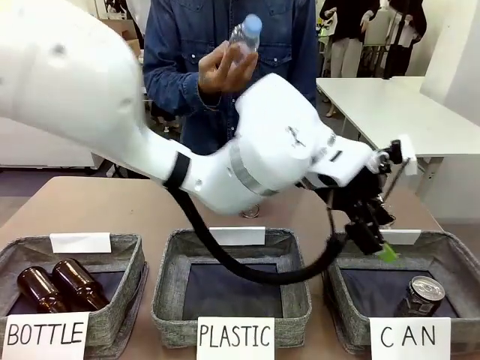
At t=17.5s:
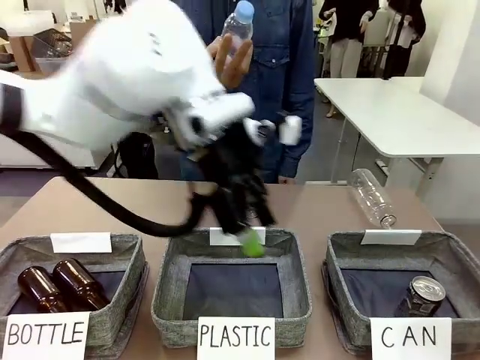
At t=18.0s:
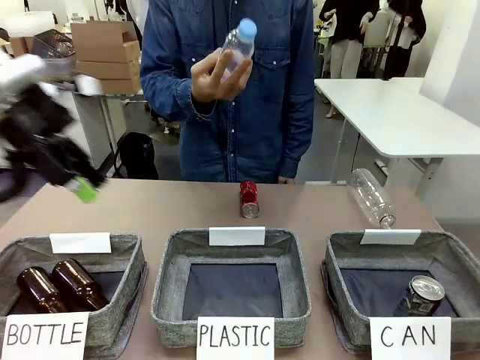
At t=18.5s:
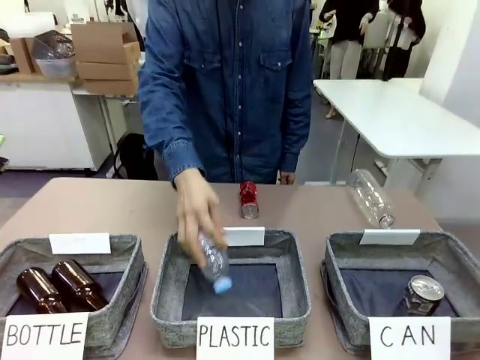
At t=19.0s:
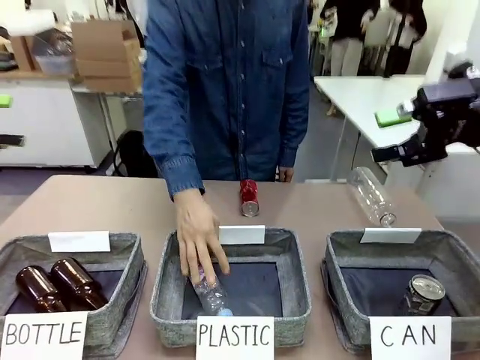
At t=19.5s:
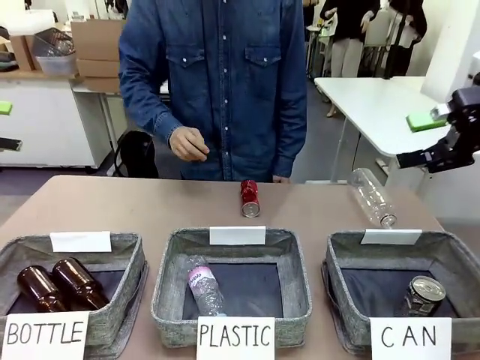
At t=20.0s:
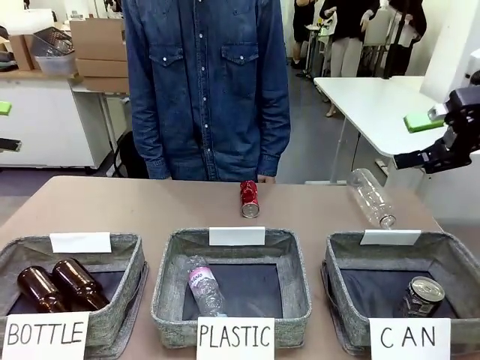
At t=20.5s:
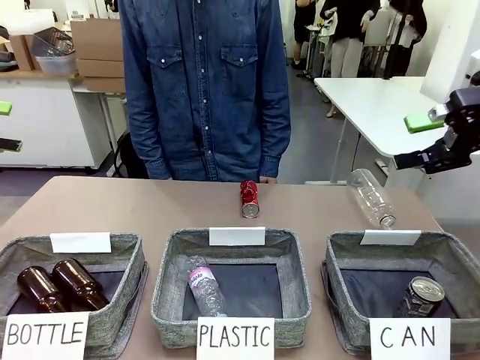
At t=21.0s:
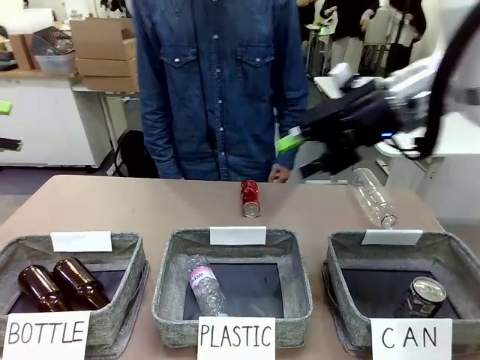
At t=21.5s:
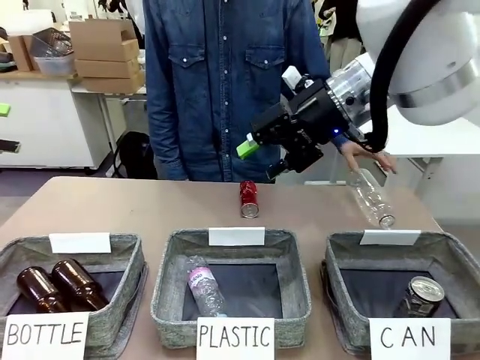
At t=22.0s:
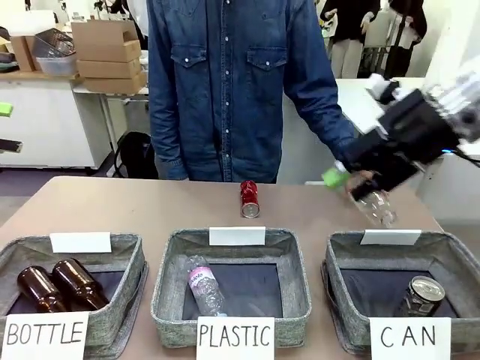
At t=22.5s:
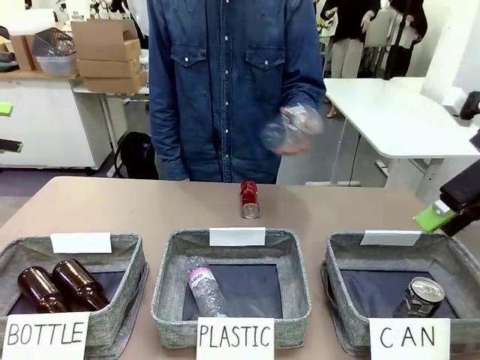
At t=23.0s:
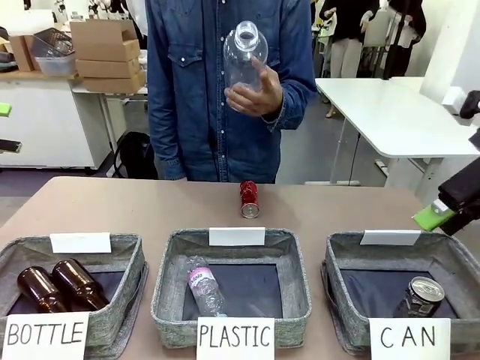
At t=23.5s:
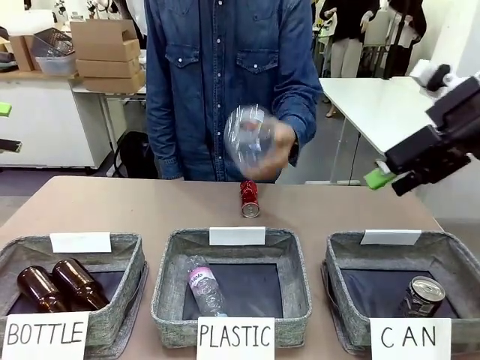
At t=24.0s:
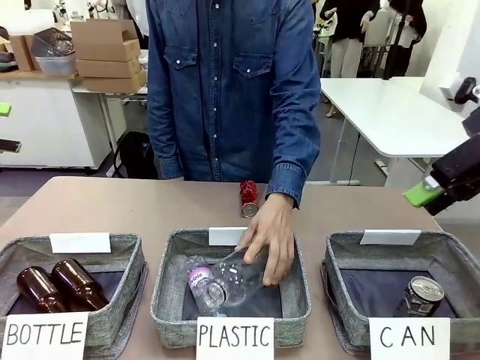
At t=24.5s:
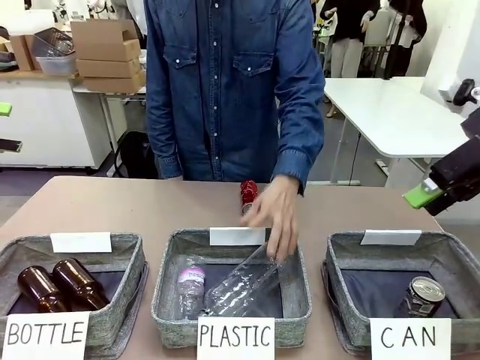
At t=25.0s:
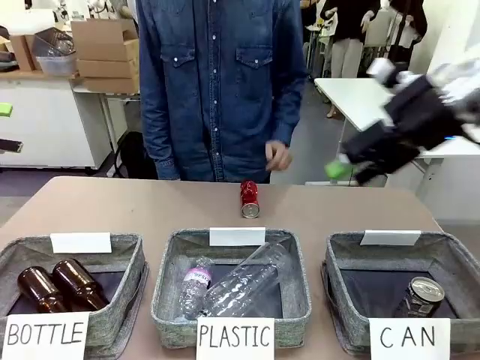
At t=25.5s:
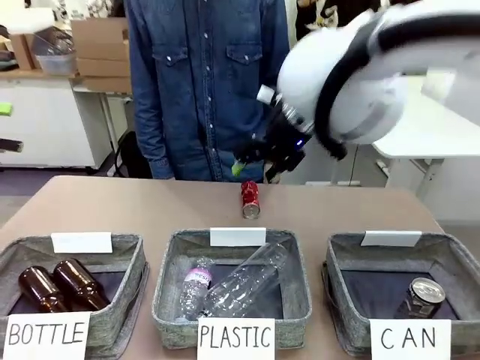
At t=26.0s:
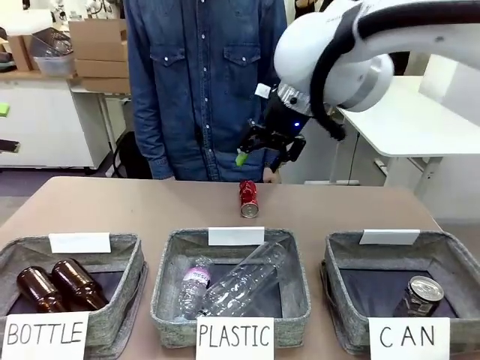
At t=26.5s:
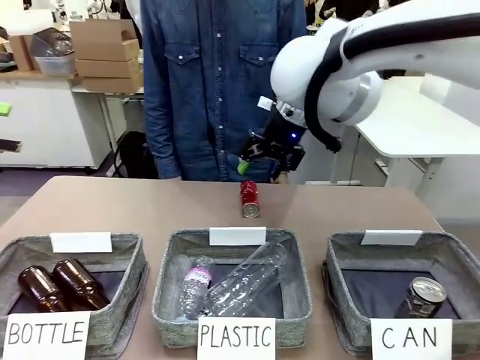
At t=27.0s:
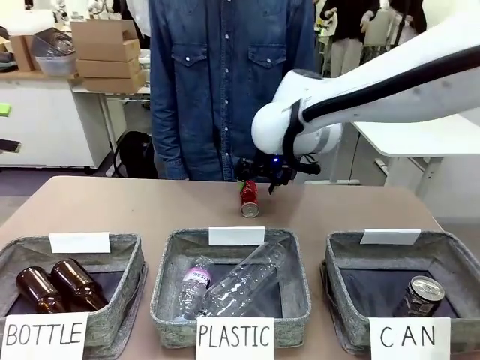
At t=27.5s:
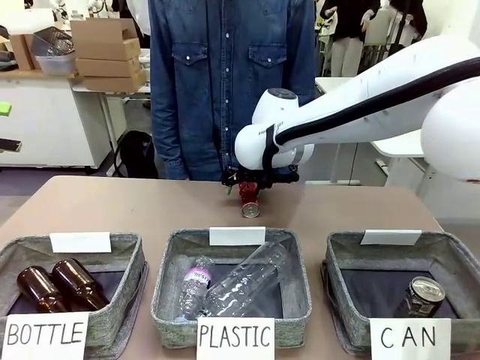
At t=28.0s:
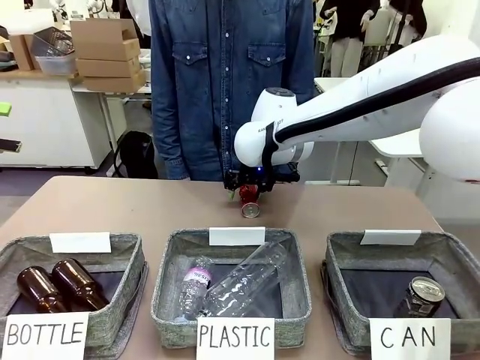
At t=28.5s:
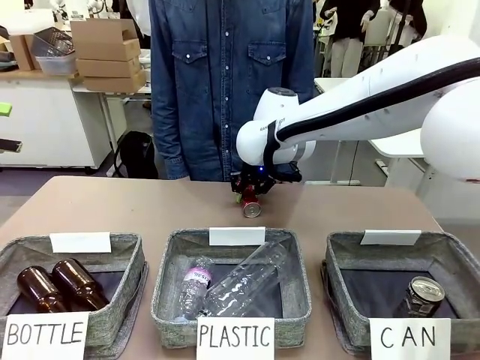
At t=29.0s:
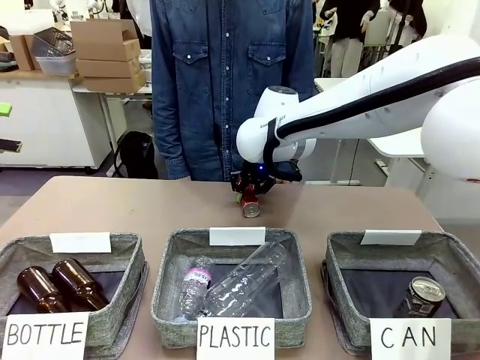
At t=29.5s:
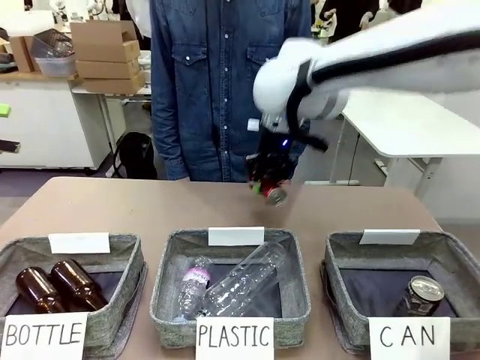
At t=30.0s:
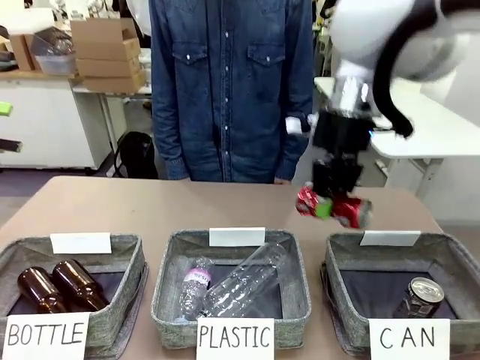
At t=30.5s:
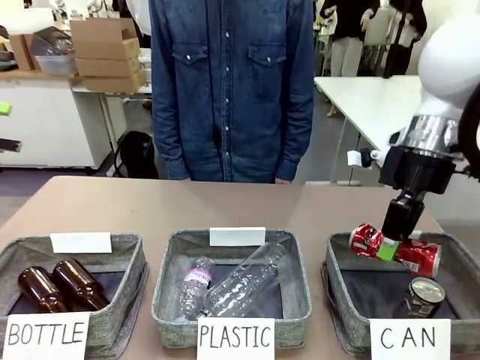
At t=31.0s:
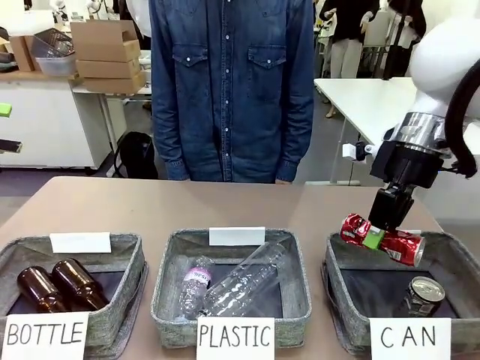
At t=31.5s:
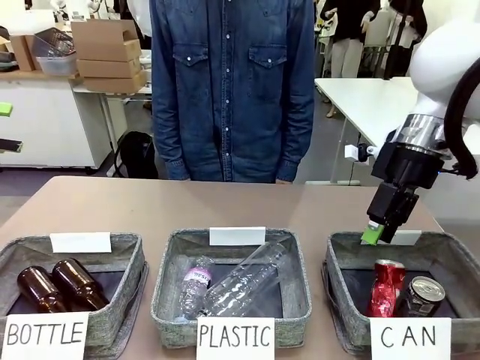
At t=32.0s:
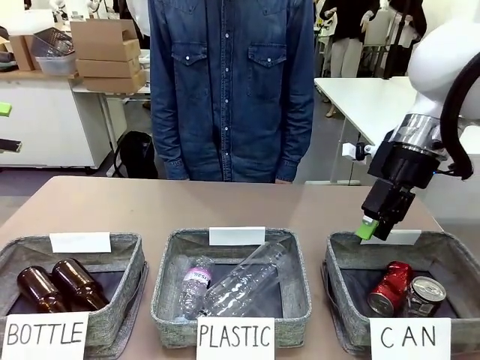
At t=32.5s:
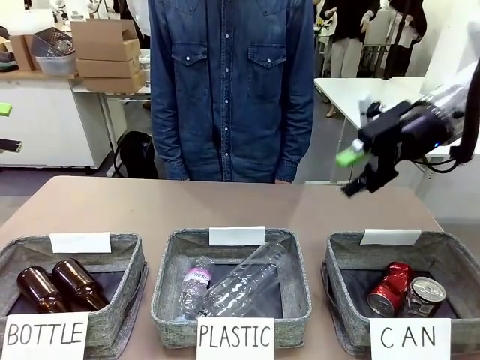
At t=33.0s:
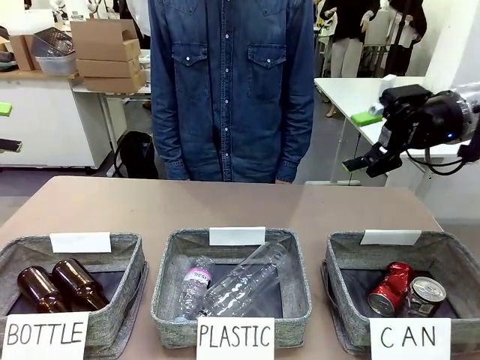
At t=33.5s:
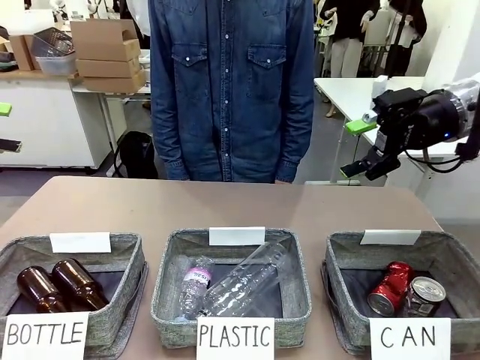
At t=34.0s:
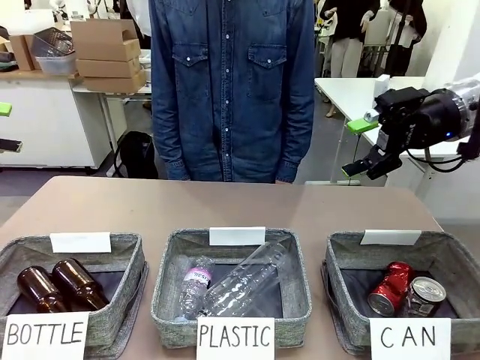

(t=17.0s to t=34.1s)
Task: Sort the can waste into the basket.
Robot: Pick up the can waste from the table and place it in the right Fabric basket.
Person: The human picks up one piece of trash that is not a can and places the trash into the appropriate organizing basket.

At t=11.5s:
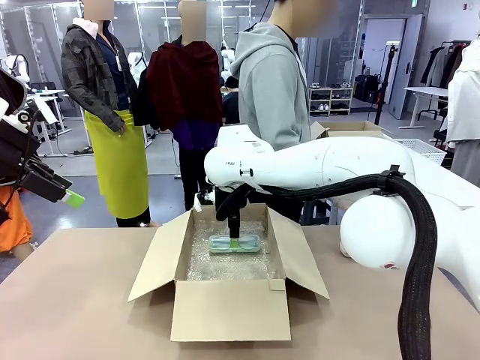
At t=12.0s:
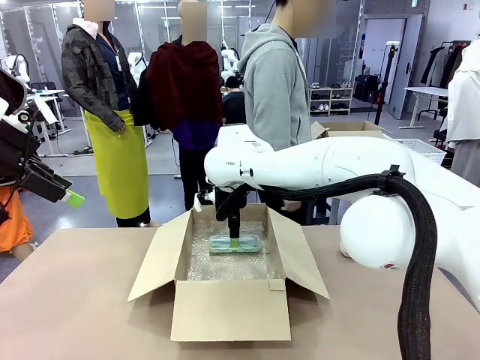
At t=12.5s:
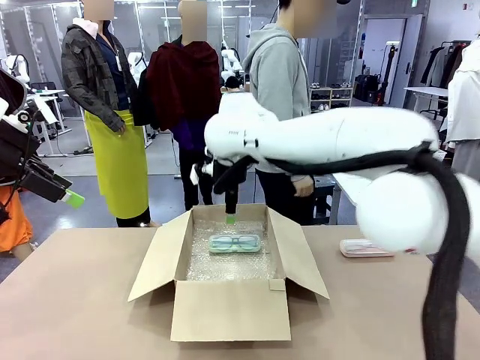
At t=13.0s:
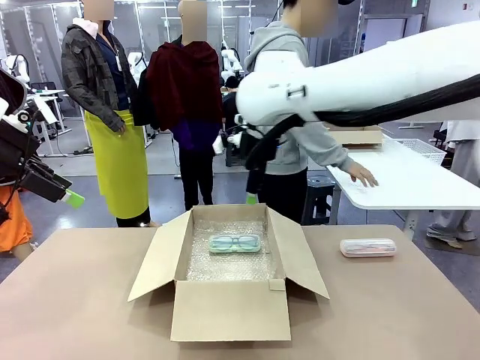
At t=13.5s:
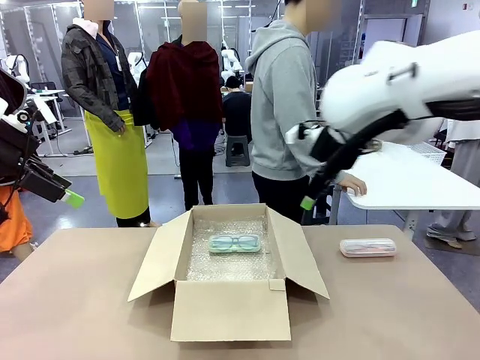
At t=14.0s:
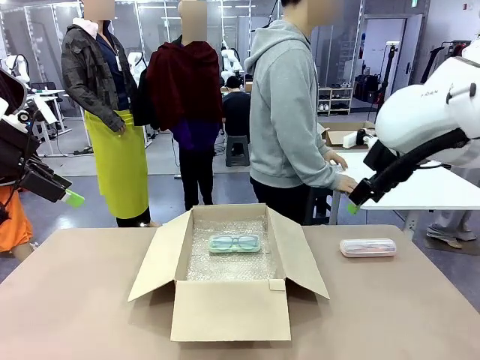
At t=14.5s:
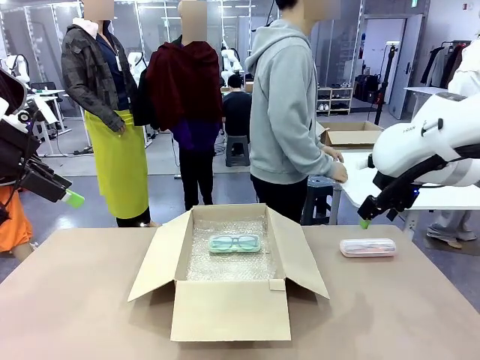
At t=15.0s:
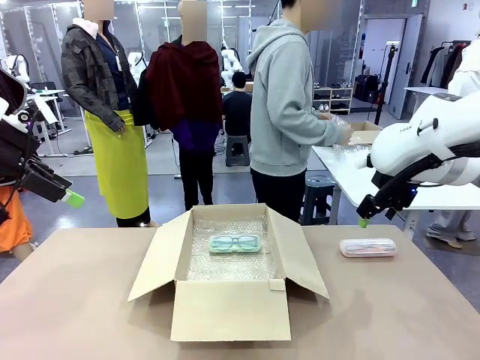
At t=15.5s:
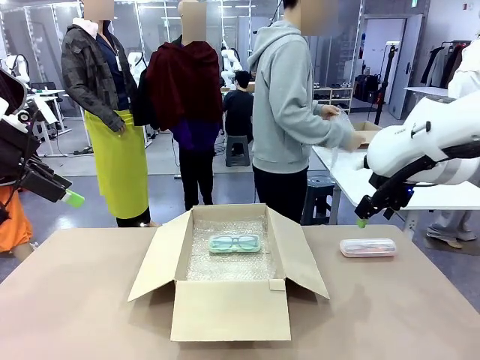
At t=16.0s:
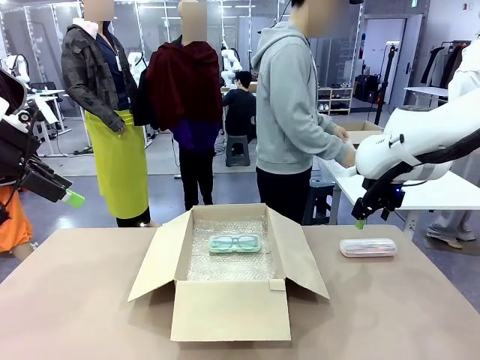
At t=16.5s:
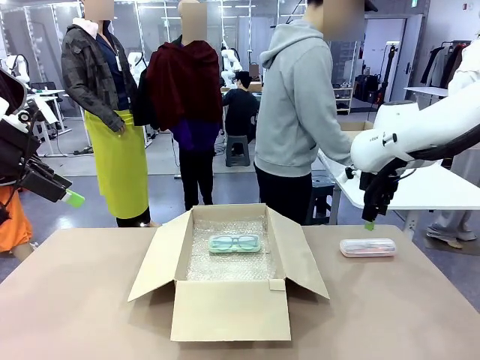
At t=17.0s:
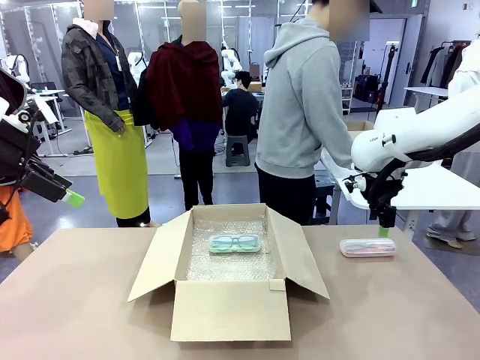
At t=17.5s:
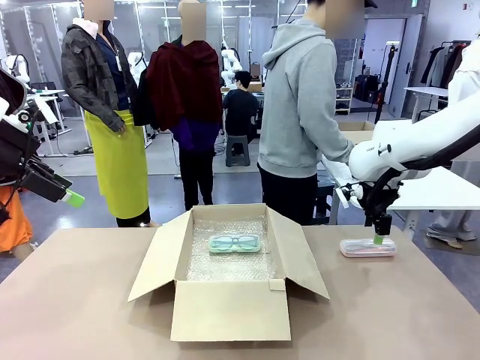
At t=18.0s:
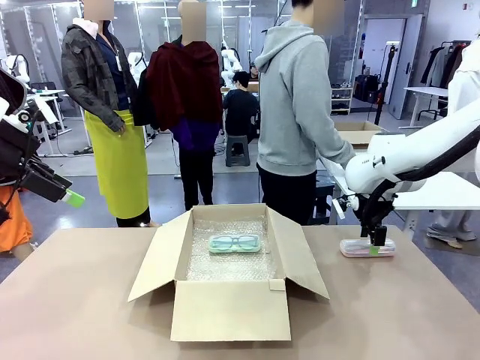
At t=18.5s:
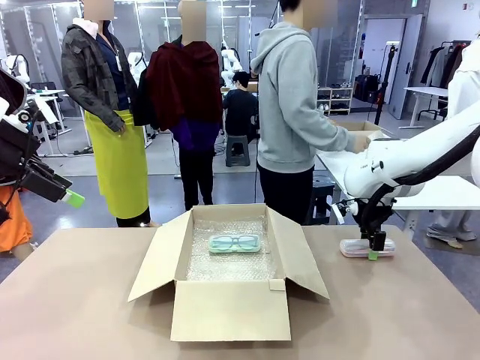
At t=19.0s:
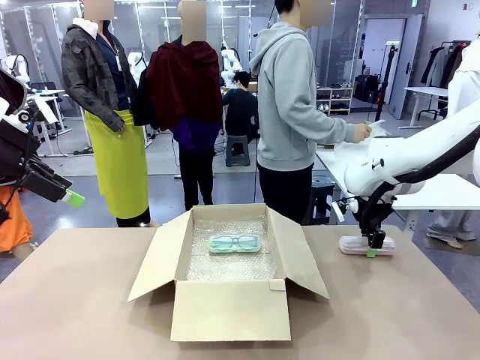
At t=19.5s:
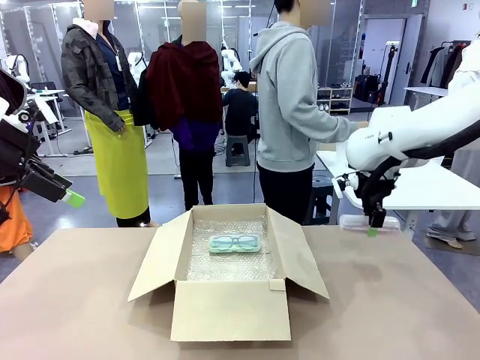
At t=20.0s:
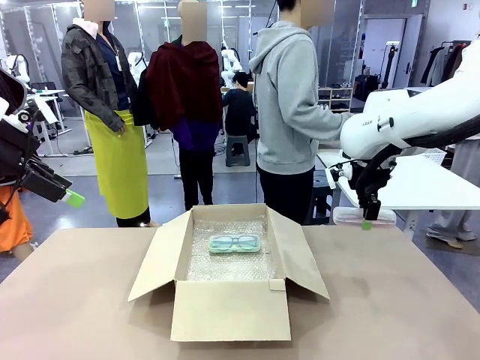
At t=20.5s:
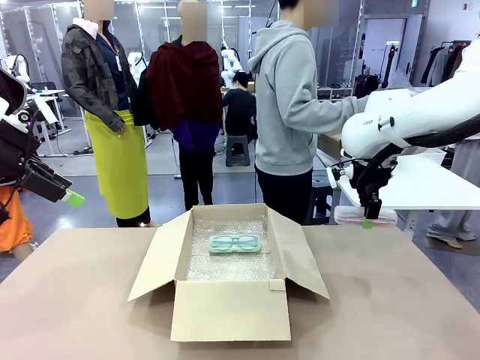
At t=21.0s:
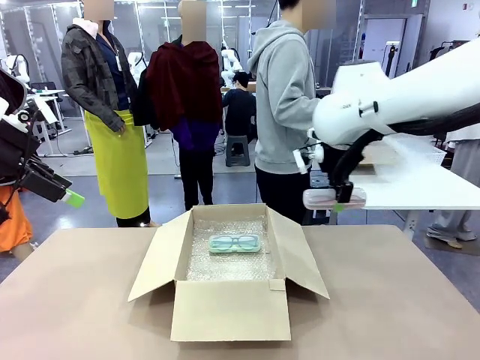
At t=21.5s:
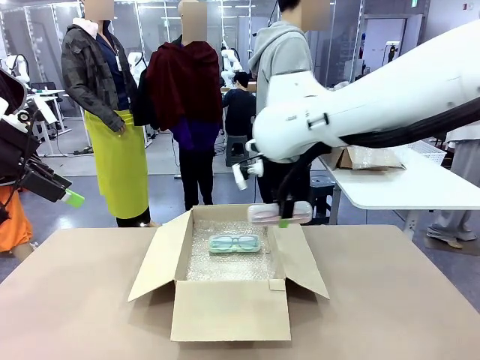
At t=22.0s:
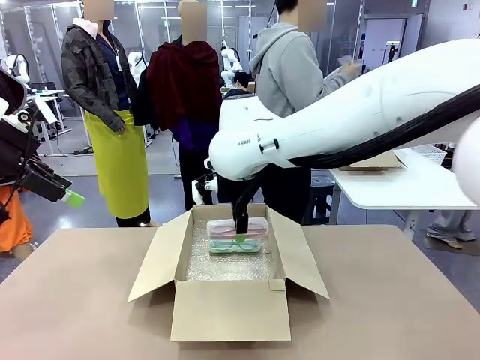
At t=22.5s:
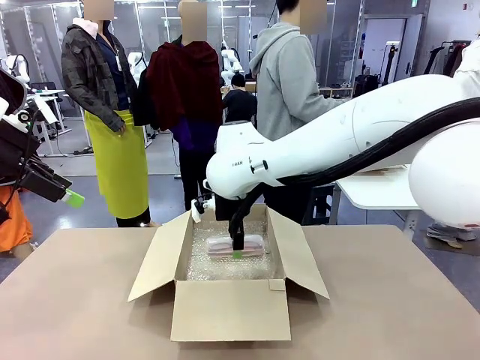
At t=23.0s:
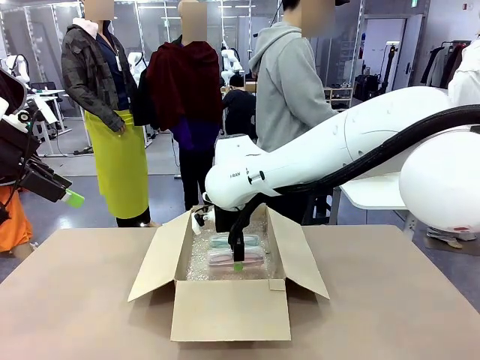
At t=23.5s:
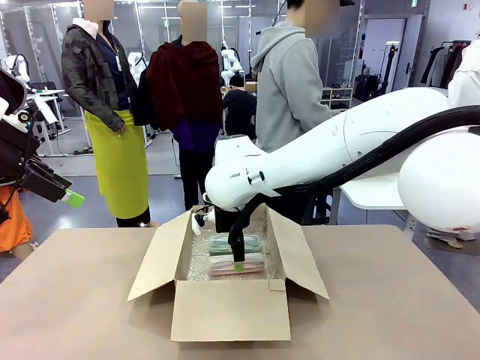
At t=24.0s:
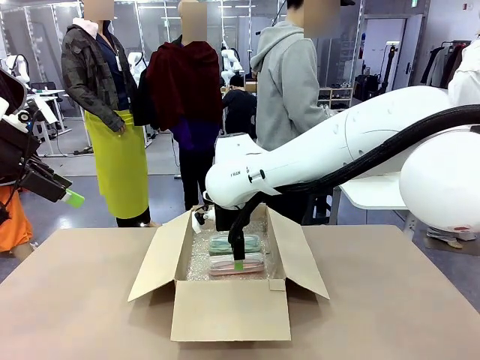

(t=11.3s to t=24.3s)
Task: Pack the glasses set securely to prepare it for shipping.
Robot: Put the Glasses case from the right side of the table into the Package Box.
